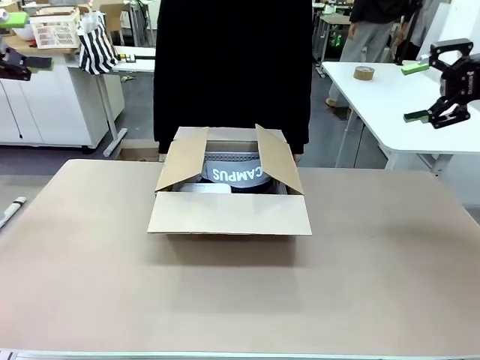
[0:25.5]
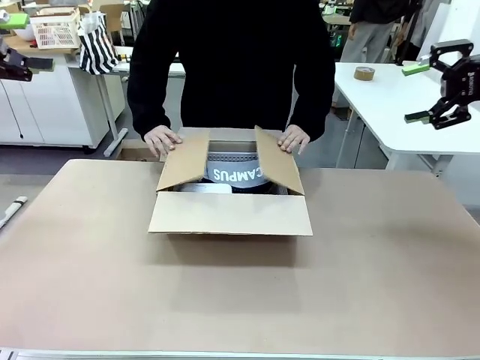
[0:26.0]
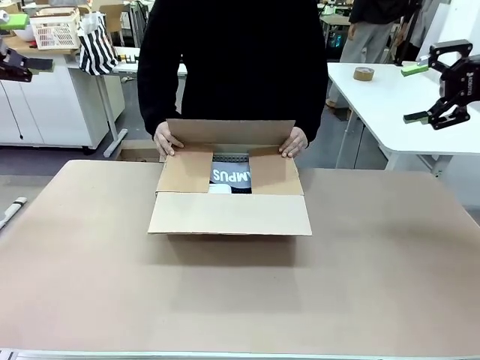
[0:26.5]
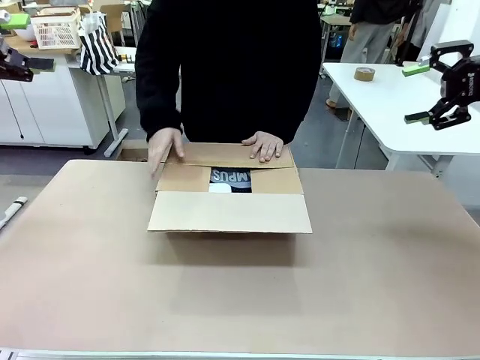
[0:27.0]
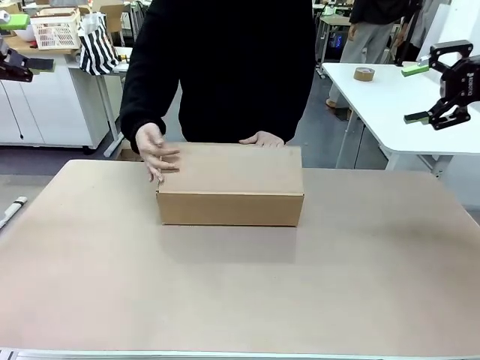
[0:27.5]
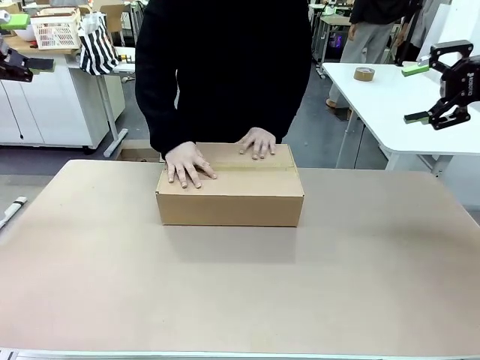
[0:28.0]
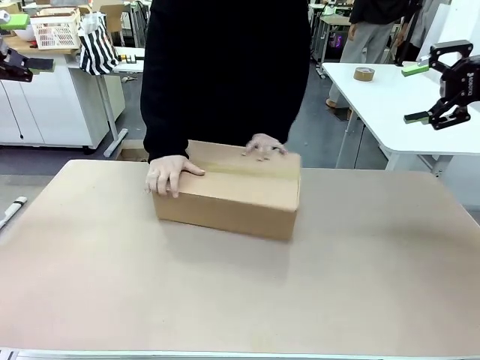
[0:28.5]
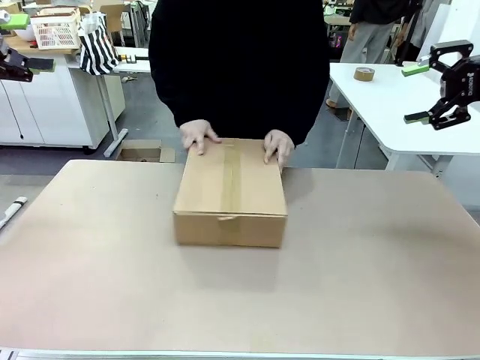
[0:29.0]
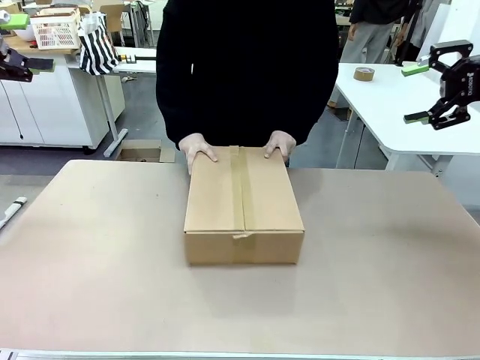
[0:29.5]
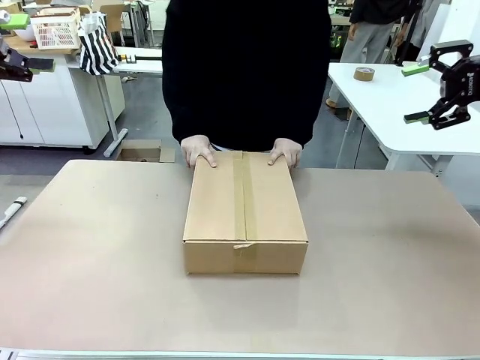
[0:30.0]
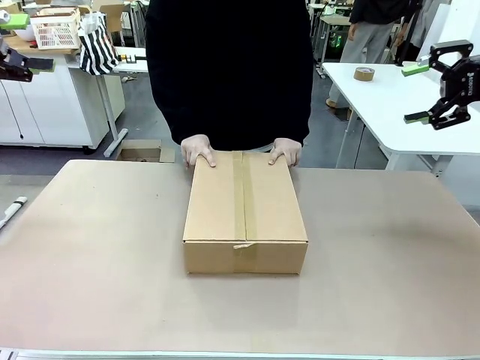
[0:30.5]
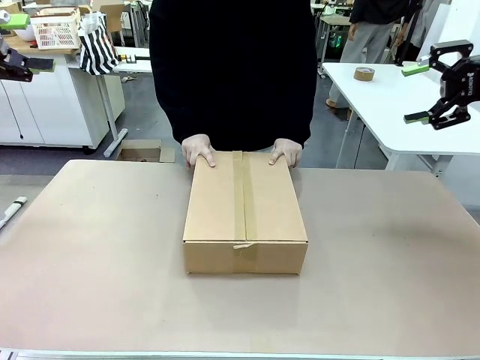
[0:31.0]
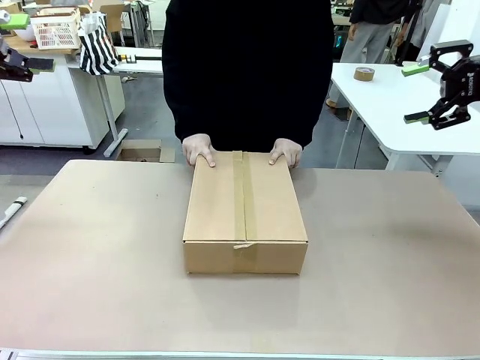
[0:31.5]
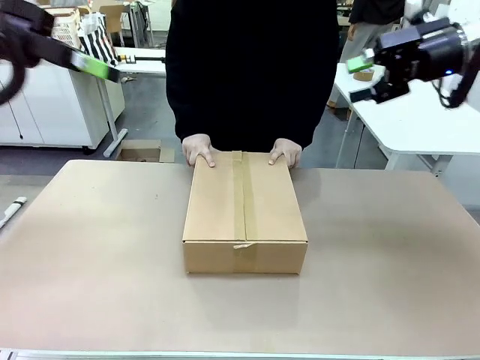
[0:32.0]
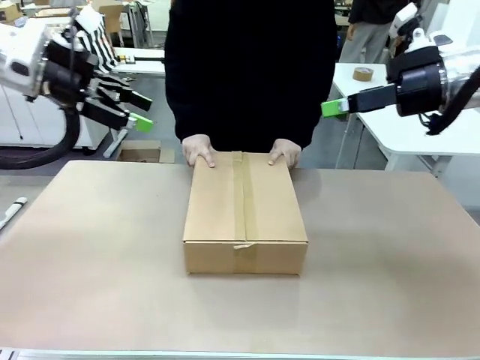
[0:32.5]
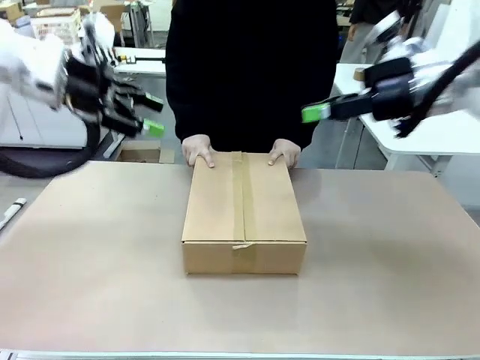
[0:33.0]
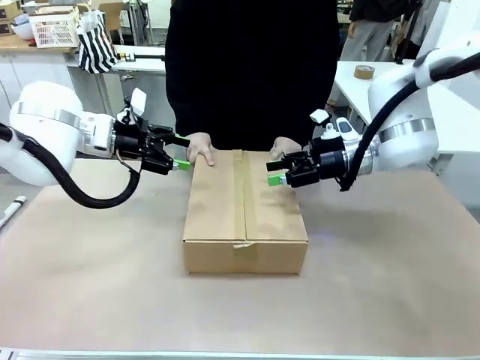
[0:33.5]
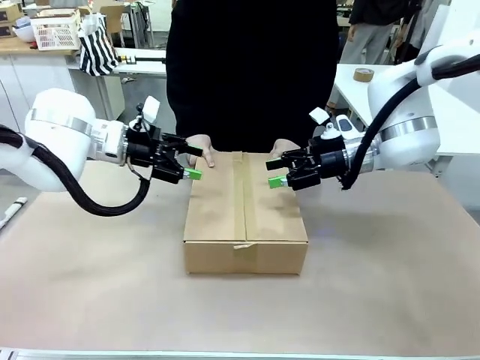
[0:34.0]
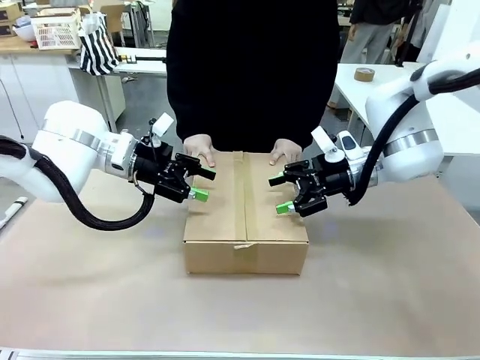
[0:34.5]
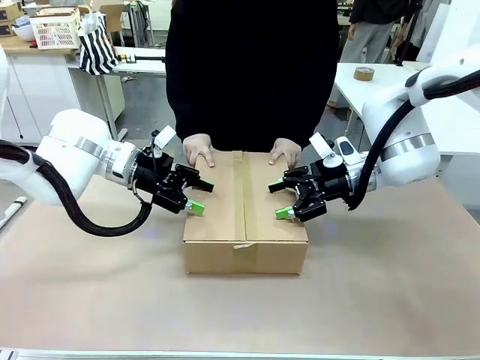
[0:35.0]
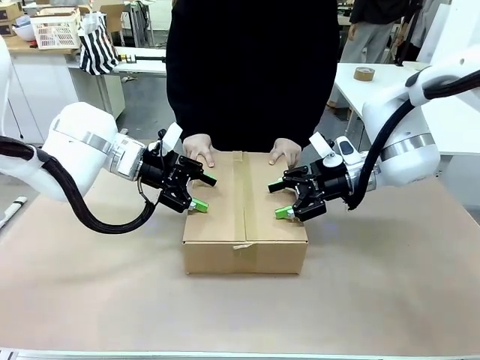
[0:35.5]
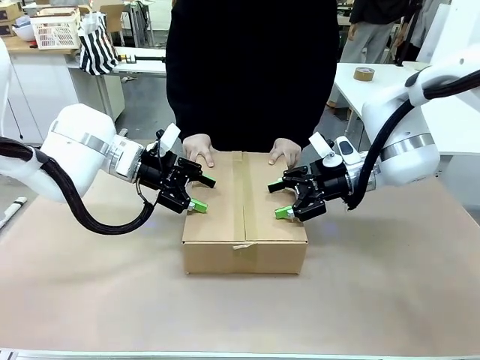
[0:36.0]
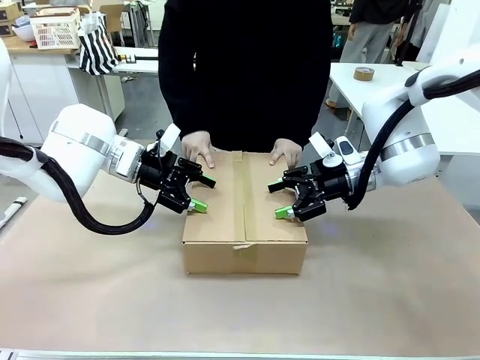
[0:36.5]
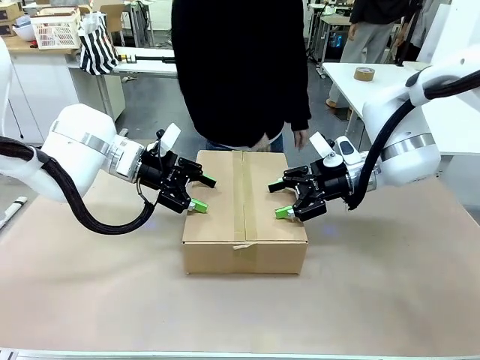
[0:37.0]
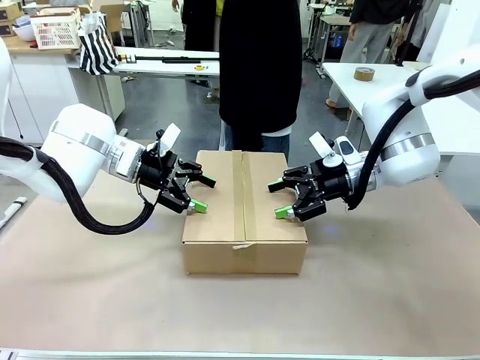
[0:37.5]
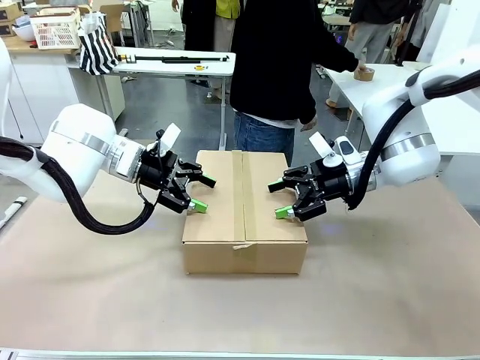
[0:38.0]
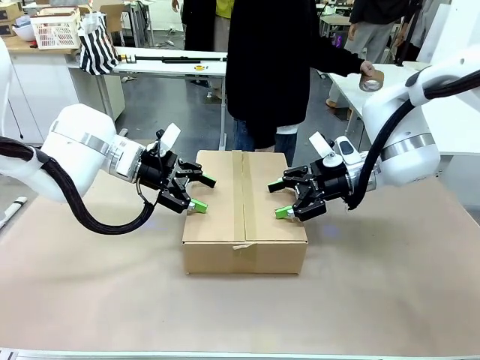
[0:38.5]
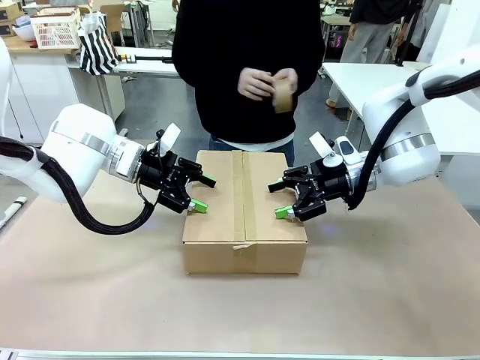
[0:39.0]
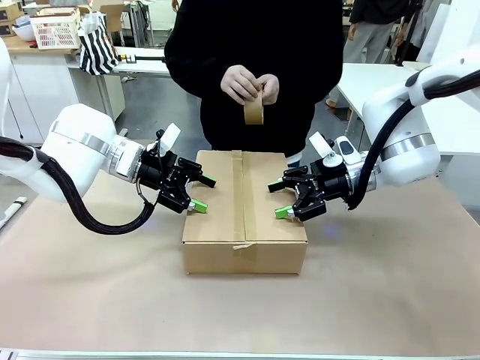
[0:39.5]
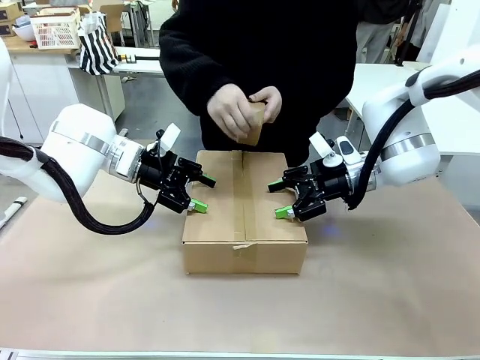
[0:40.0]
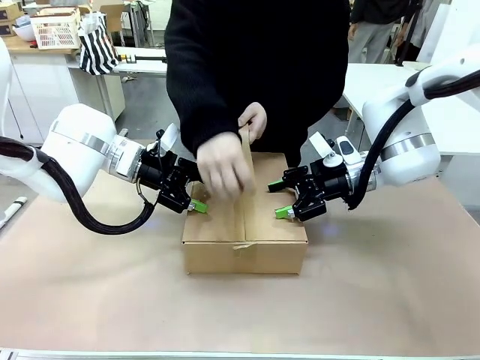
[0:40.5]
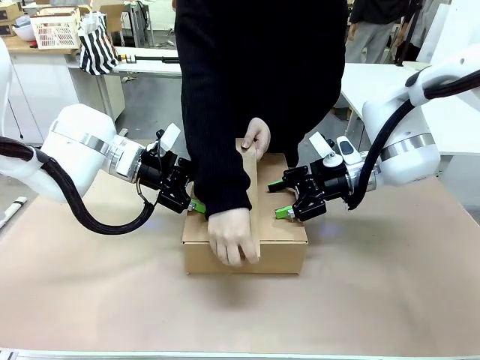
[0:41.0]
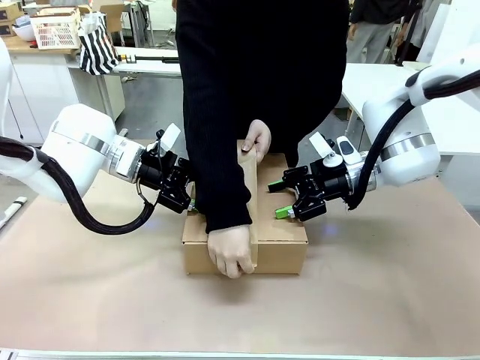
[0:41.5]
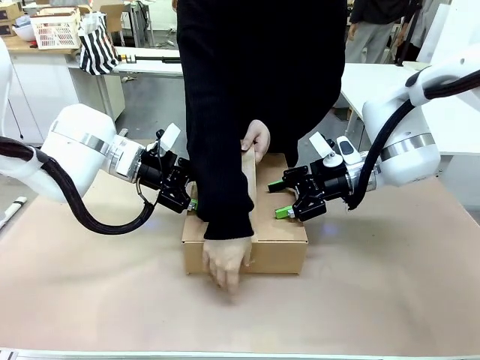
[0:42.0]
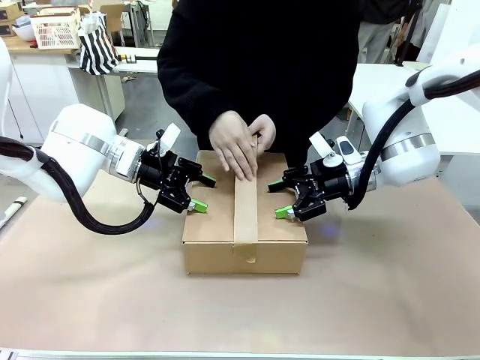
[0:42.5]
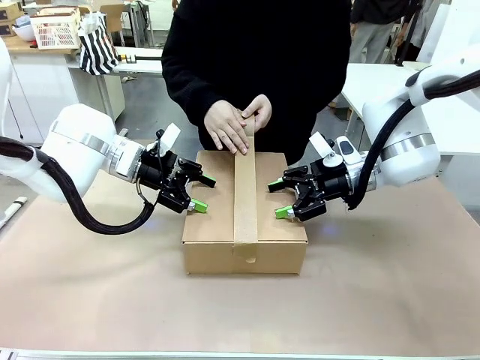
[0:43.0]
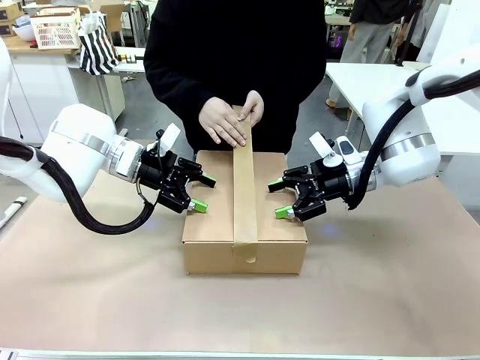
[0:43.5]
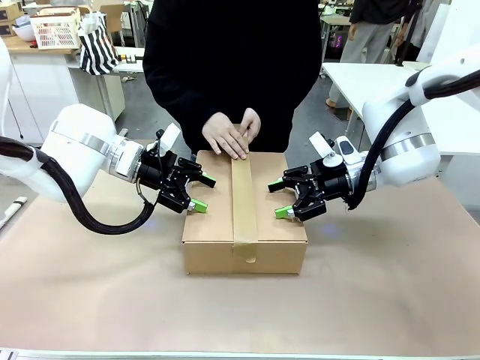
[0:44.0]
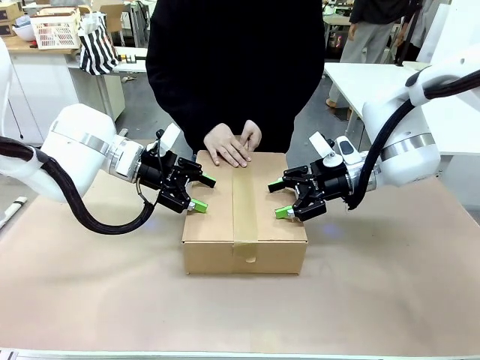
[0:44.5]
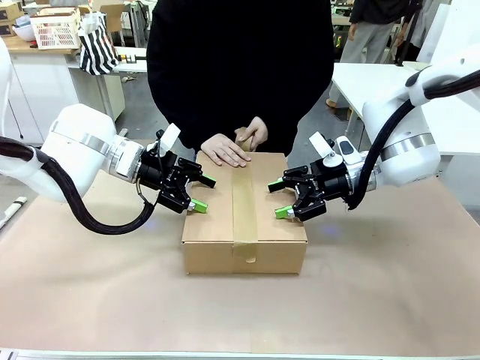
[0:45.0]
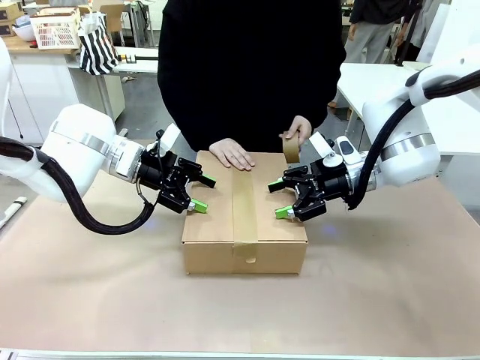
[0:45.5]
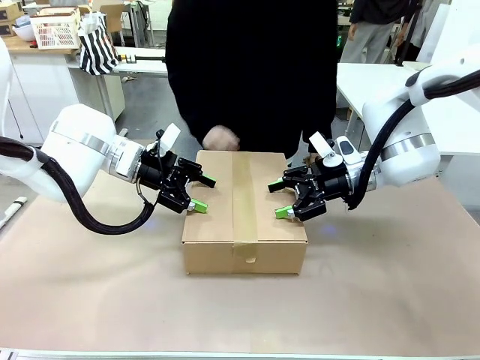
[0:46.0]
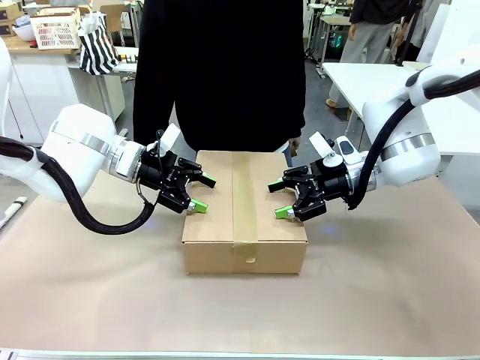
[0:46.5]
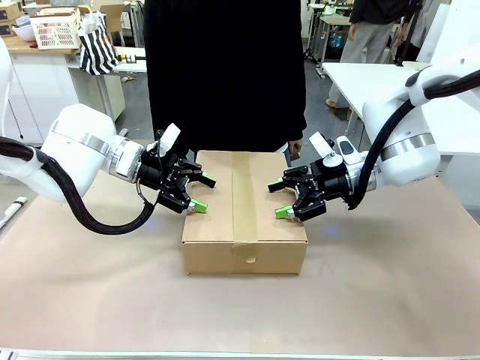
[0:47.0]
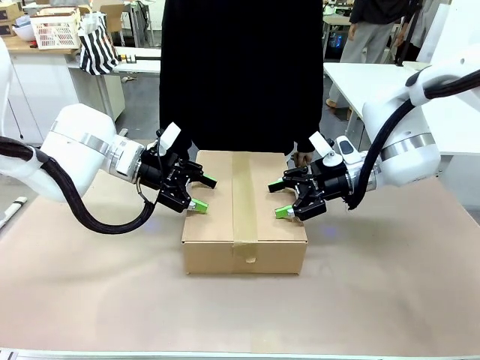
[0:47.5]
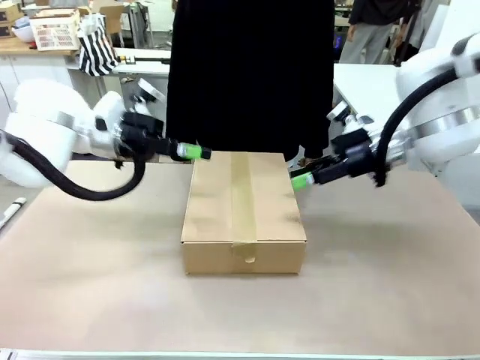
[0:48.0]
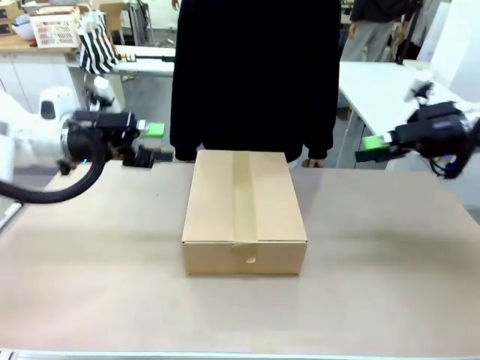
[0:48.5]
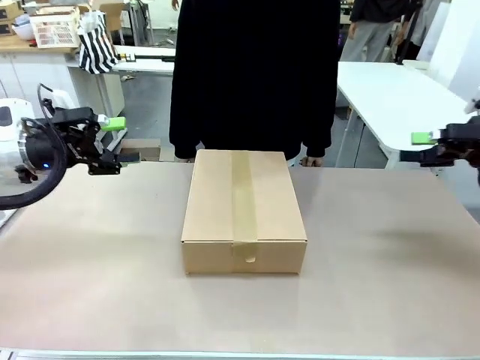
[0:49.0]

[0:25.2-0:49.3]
Task: Pack the gift set into the box.
Robot: Press and hold the closed box until the human finishes sealing it.
Person: The human closes the box and rotates the box by 90 degrees. The human picks up the paper tape from the human table and packs the box.
